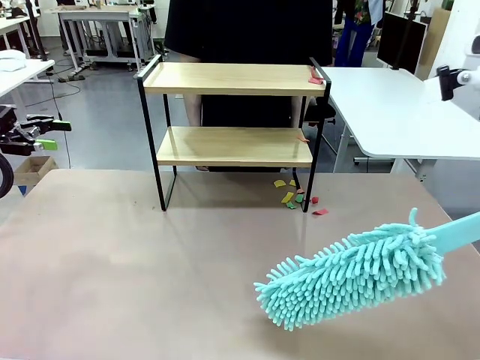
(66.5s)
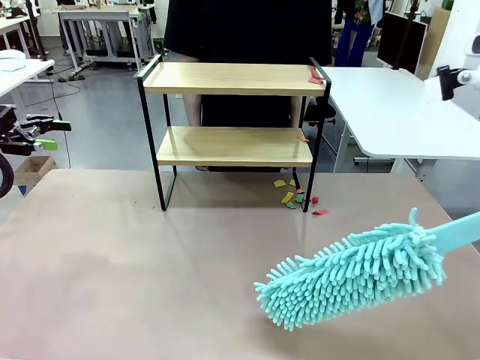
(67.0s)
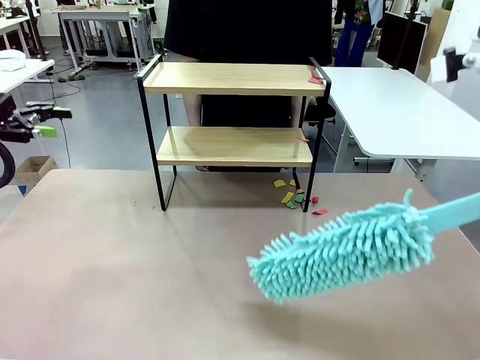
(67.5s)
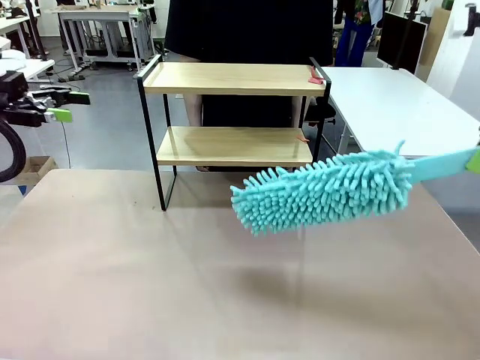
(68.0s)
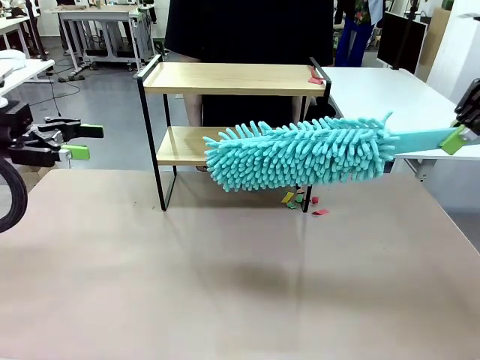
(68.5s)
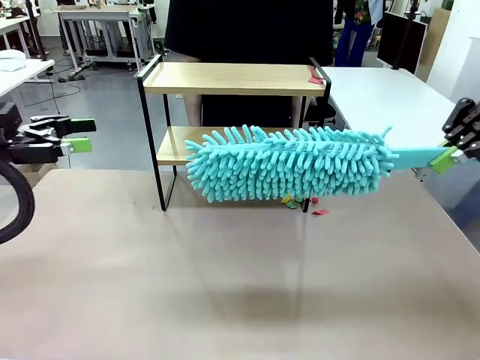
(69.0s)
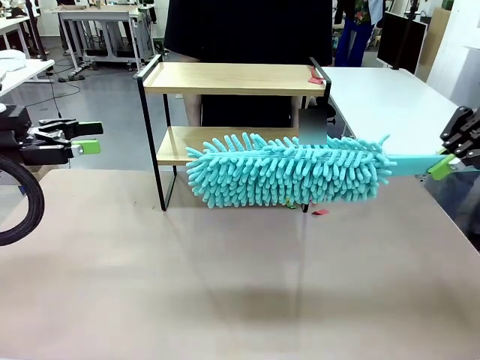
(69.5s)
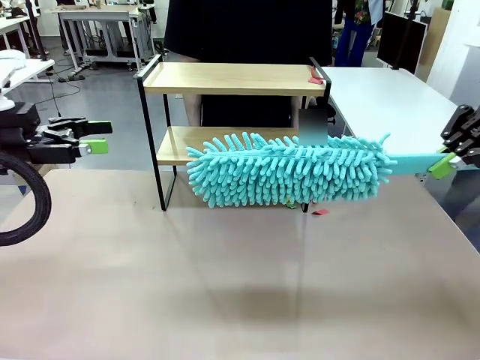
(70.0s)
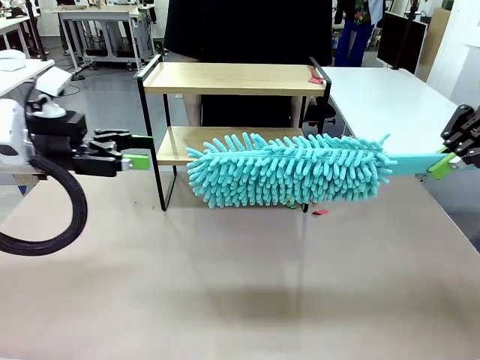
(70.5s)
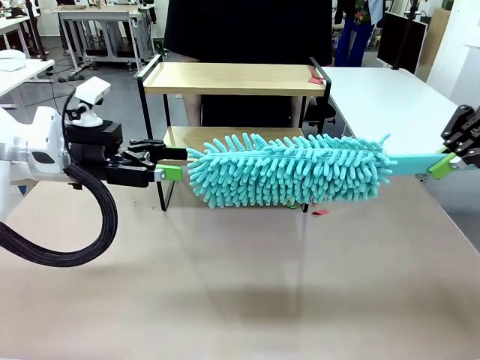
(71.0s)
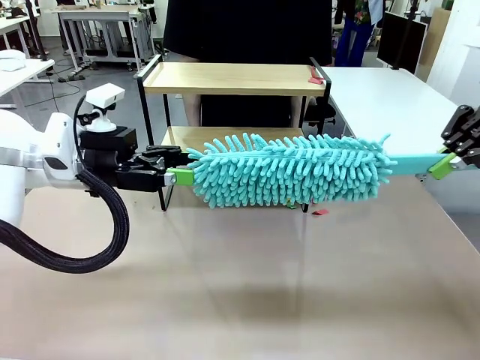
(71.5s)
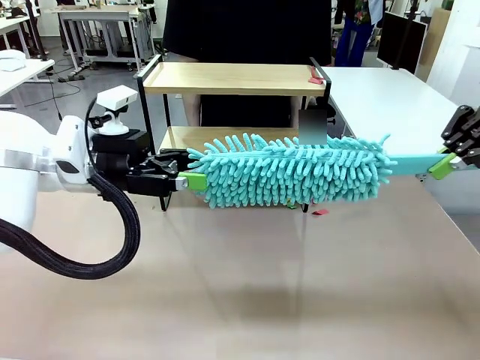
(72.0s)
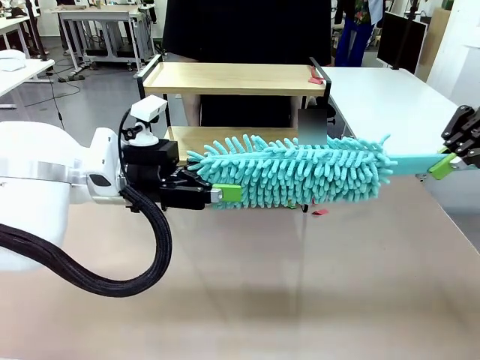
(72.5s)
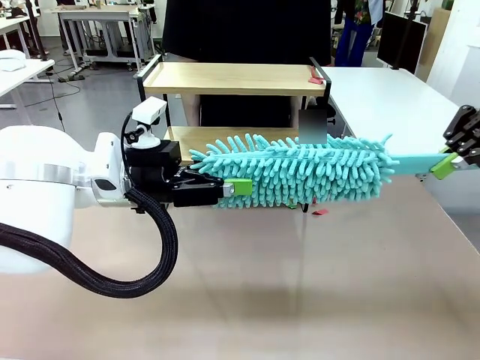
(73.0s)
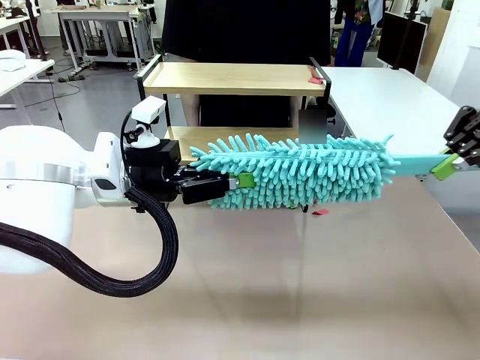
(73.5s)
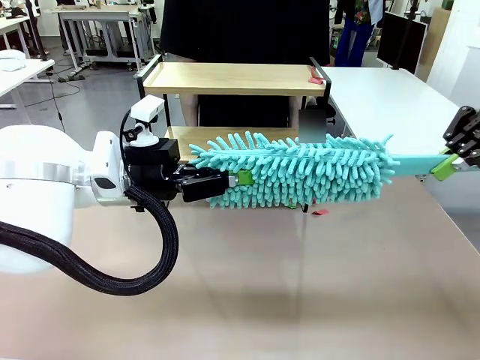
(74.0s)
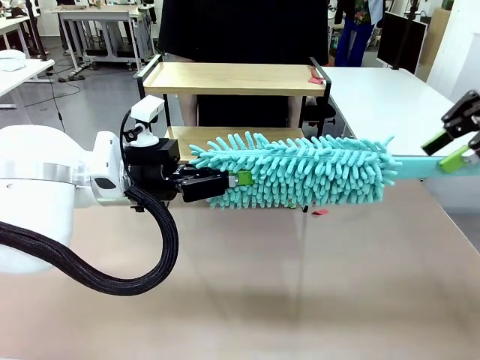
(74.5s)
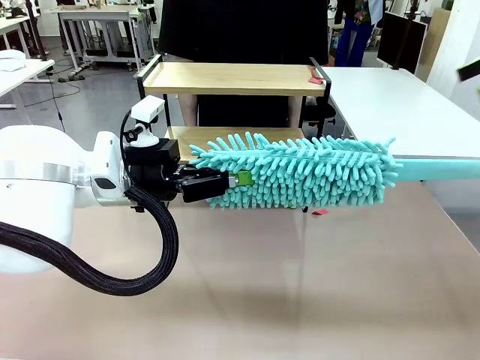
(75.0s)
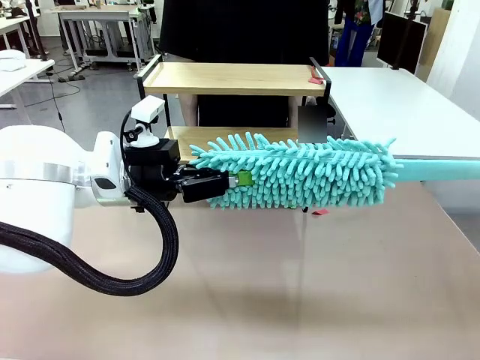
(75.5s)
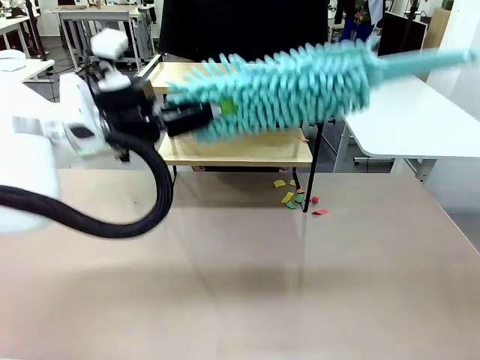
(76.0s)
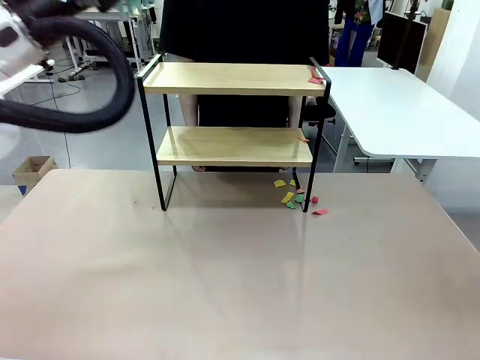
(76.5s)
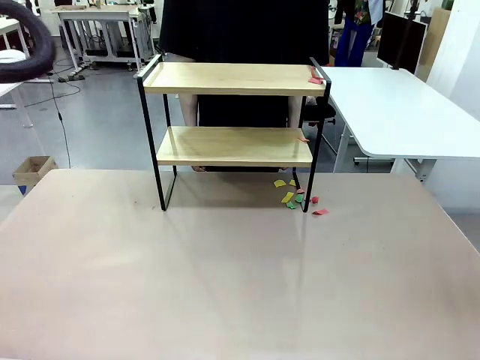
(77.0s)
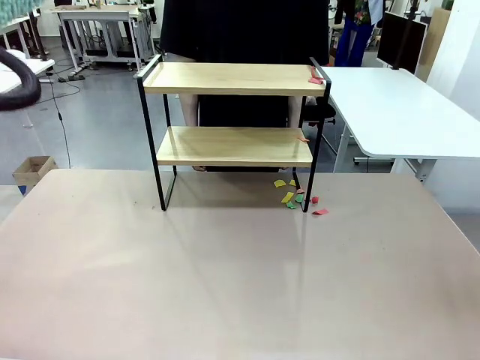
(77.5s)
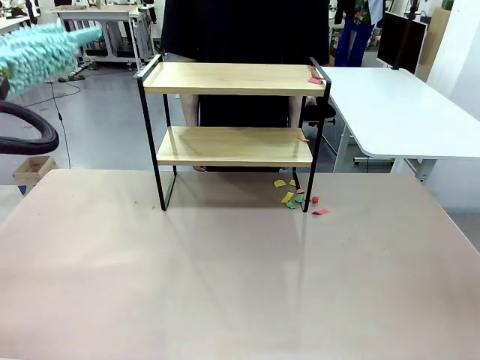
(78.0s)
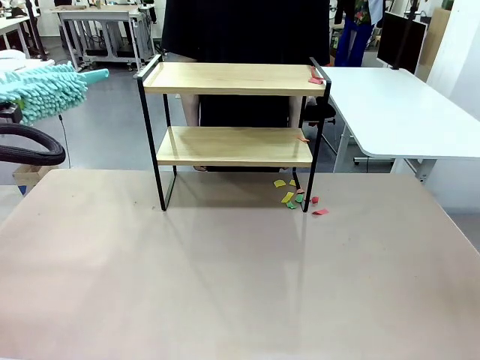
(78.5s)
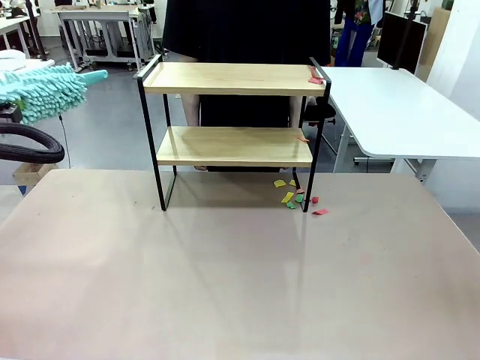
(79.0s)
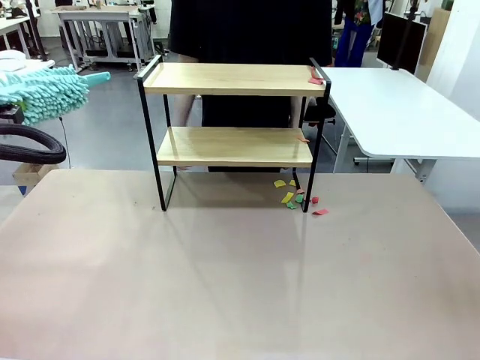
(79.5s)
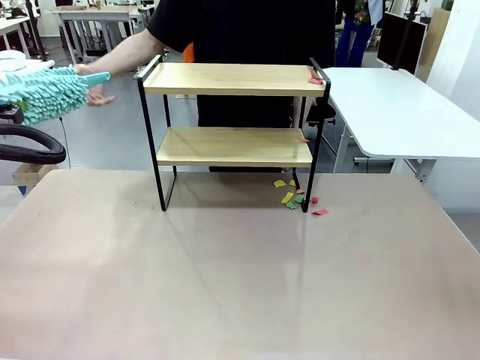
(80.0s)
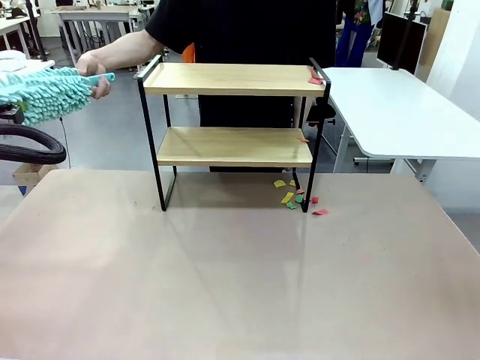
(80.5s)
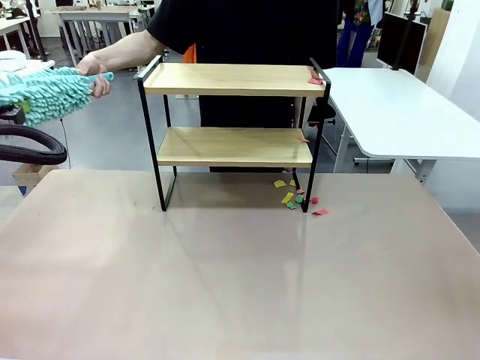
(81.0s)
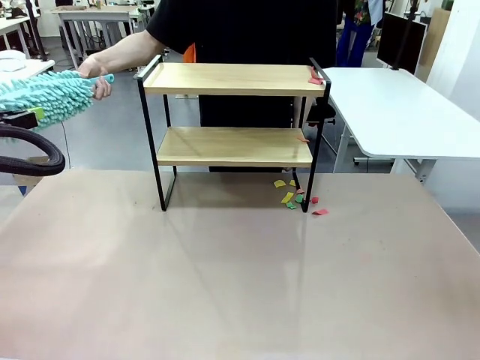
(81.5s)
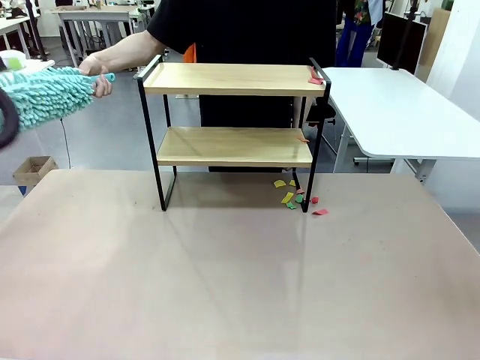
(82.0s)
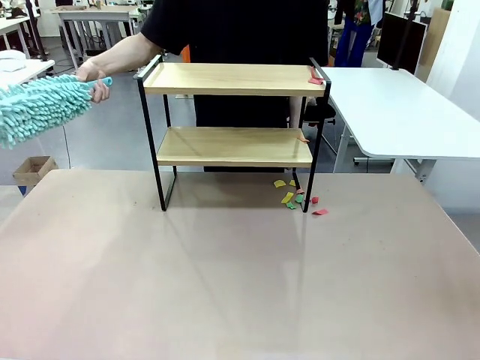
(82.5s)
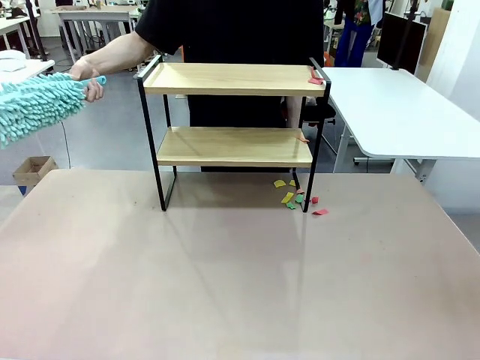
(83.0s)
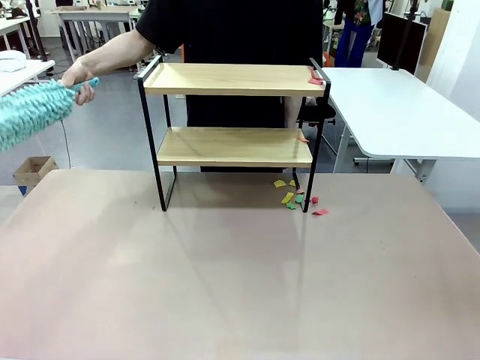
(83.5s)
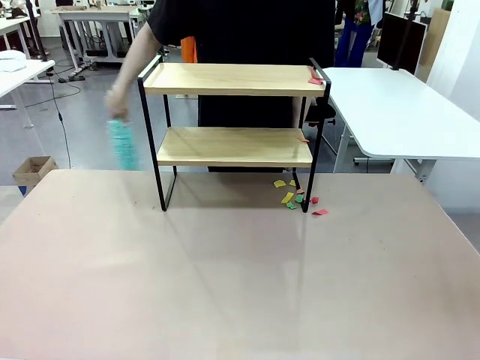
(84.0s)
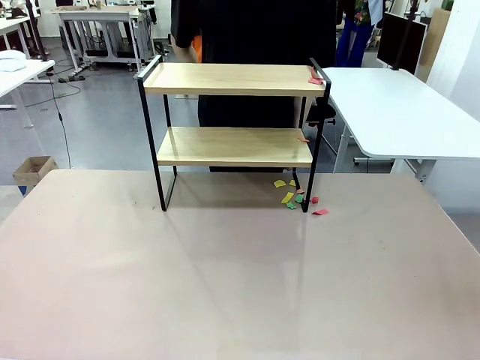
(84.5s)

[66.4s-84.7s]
Task: Clean the shelf.
Robot: Hand the Duster back to the human.
Person: Receive the Duster from the robot.

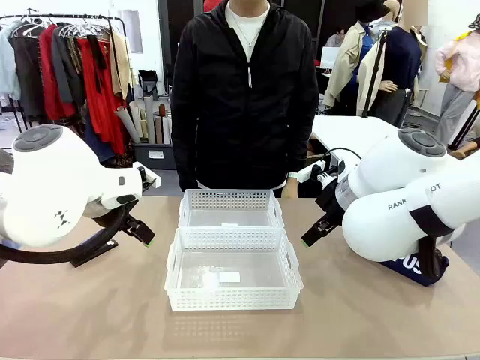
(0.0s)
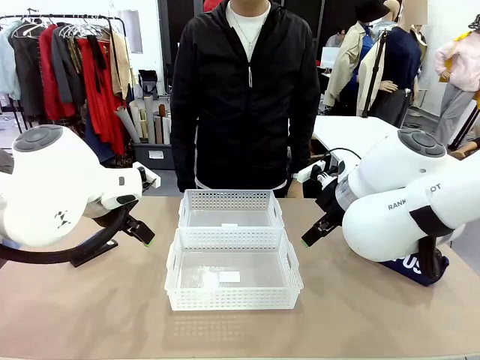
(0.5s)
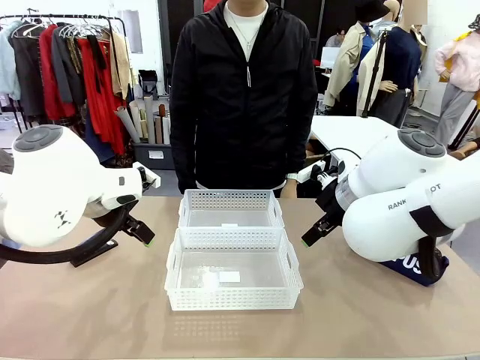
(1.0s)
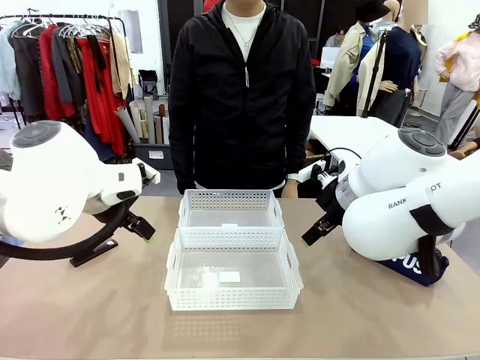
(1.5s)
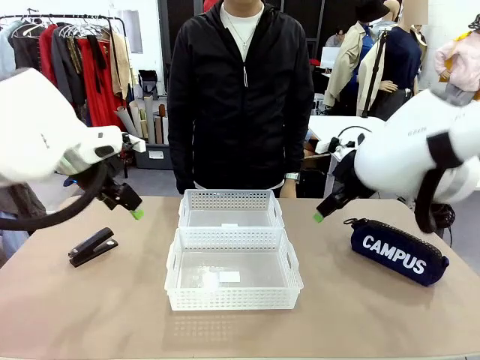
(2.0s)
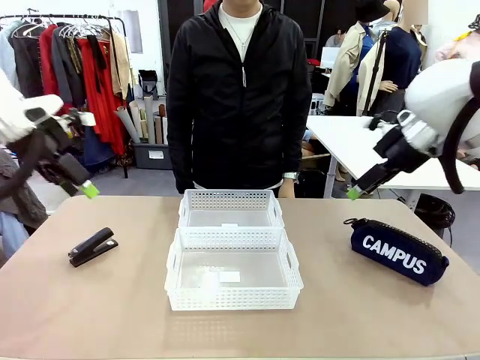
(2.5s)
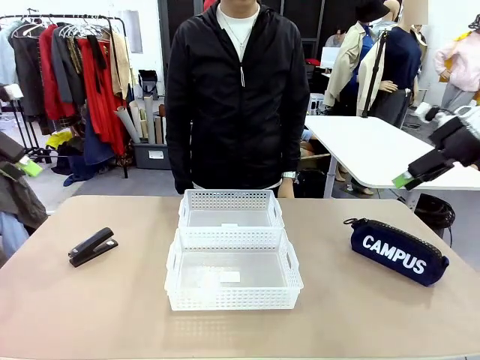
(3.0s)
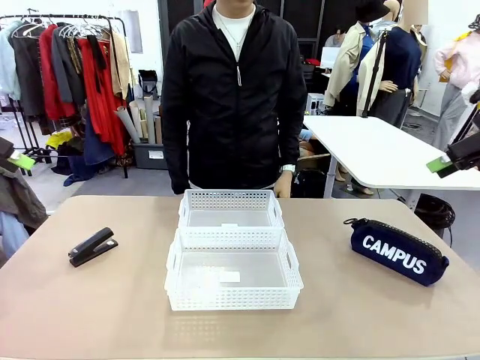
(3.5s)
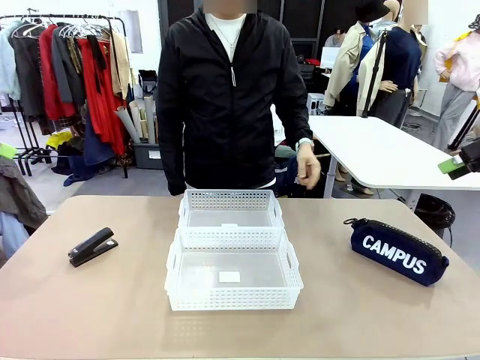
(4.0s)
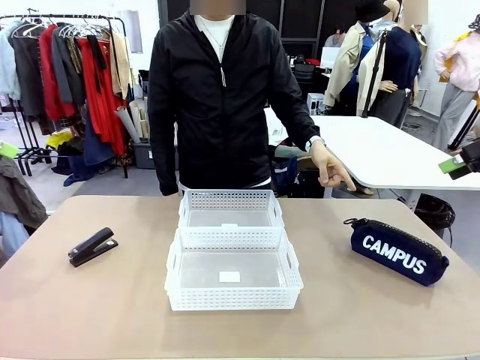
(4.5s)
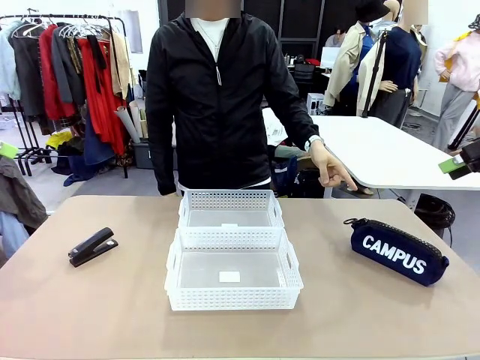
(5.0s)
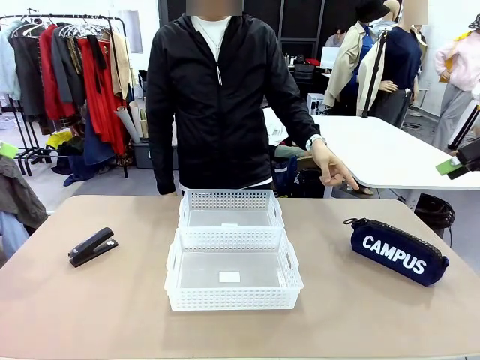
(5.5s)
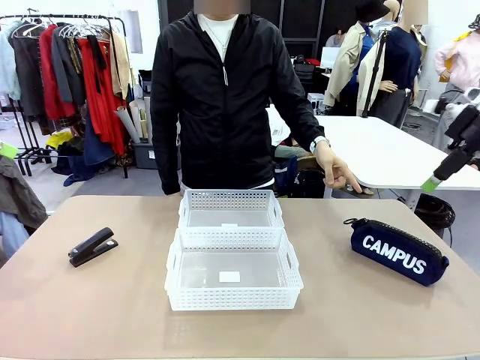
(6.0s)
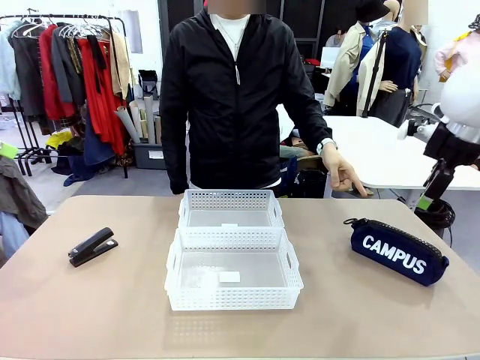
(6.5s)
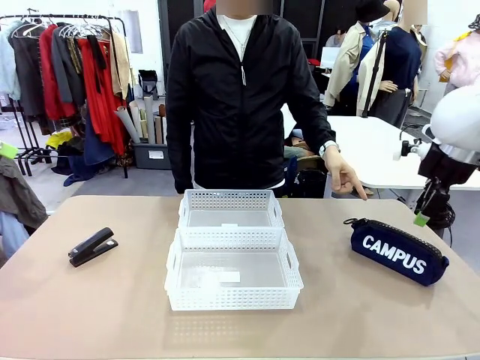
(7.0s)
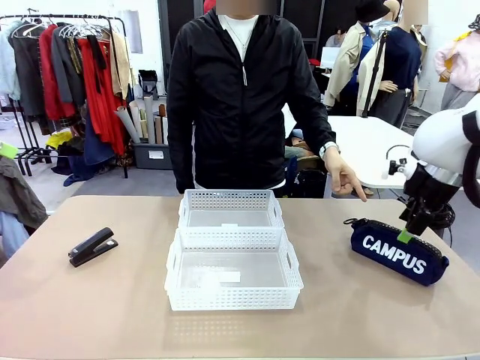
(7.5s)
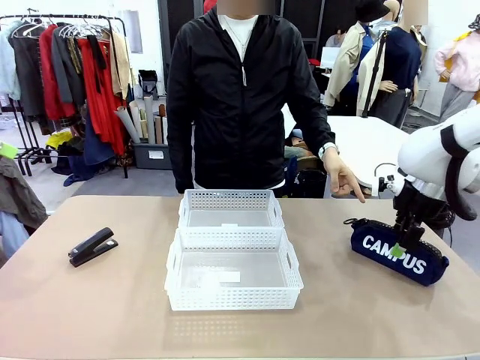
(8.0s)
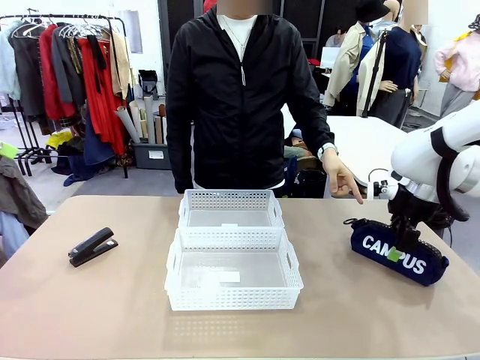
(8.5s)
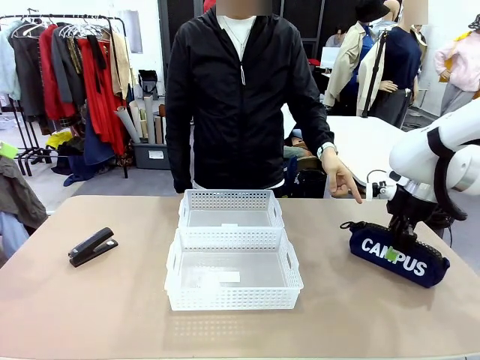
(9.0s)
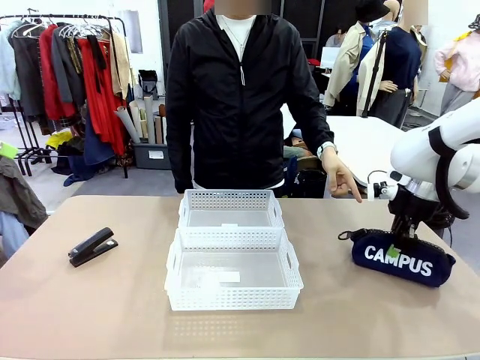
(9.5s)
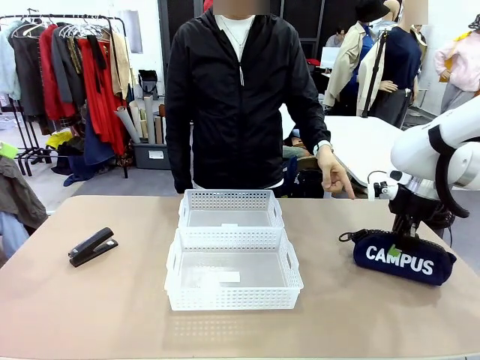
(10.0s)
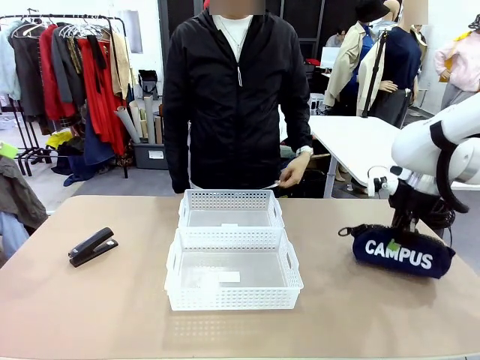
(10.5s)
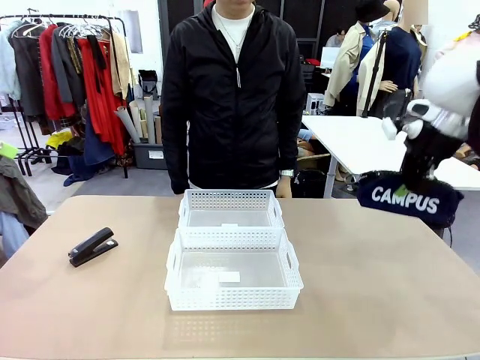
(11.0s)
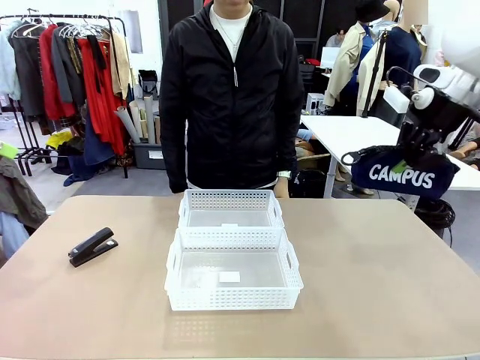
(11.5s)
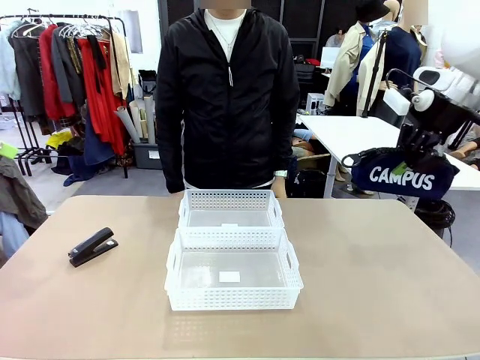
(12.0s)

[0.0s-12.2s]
Task: Distribute items into two baskets.
Robot: Pick up the Pencil pouch that the person points to.
Person: Points to the pencil case. Points between the two organizing baskets and instructs the robot to move the pencil case.
